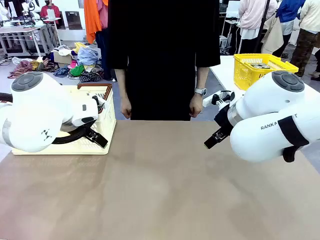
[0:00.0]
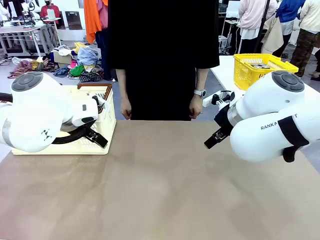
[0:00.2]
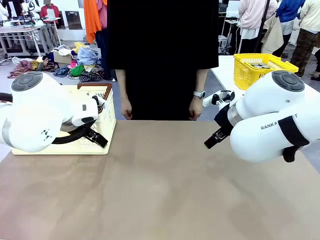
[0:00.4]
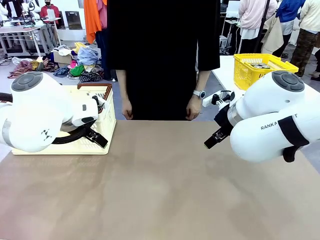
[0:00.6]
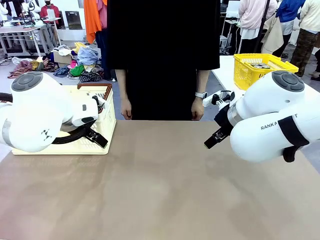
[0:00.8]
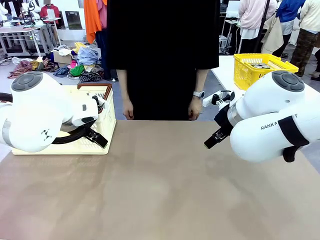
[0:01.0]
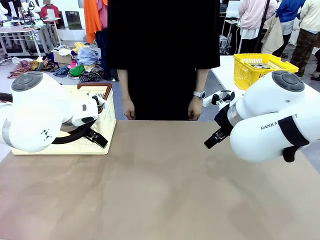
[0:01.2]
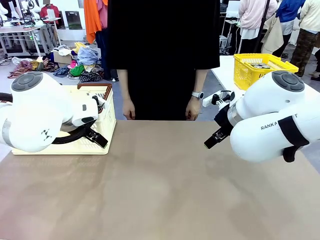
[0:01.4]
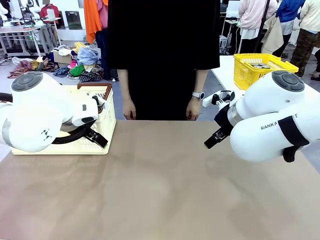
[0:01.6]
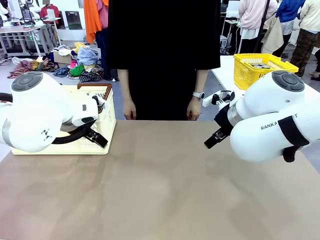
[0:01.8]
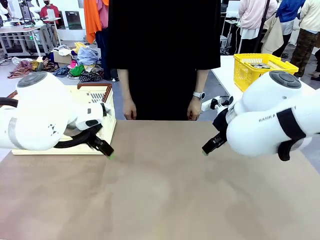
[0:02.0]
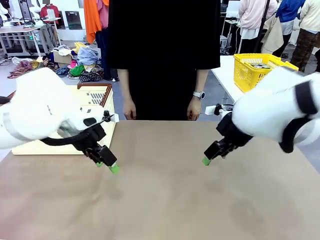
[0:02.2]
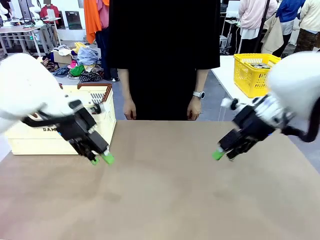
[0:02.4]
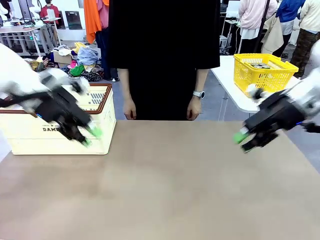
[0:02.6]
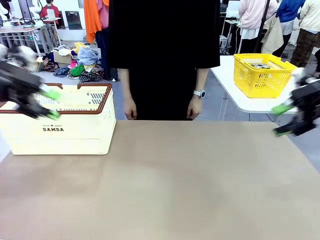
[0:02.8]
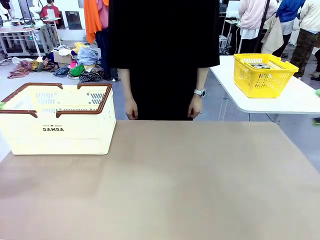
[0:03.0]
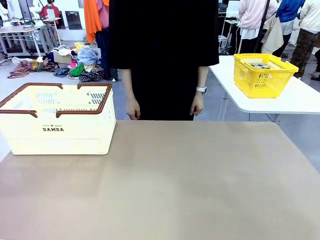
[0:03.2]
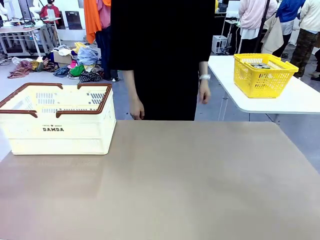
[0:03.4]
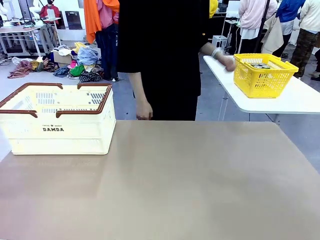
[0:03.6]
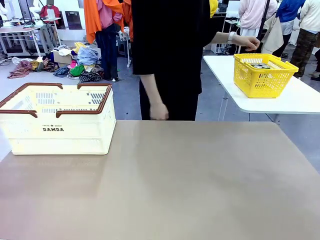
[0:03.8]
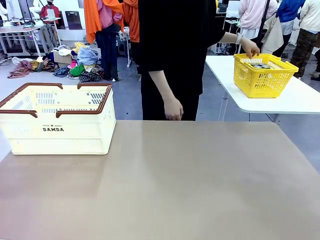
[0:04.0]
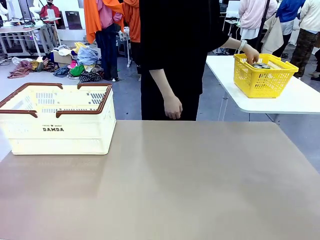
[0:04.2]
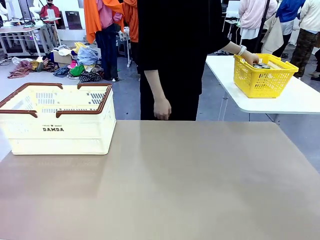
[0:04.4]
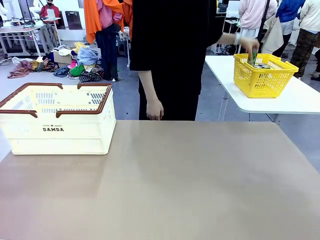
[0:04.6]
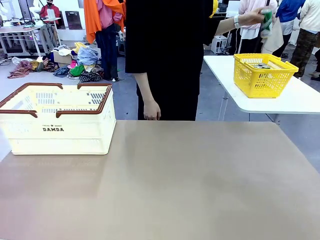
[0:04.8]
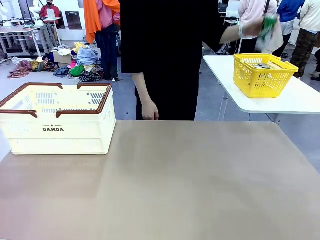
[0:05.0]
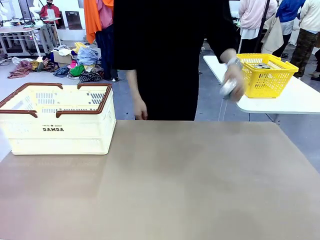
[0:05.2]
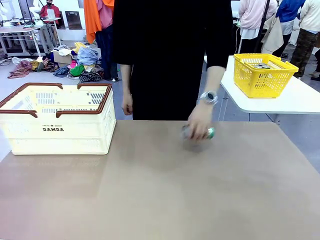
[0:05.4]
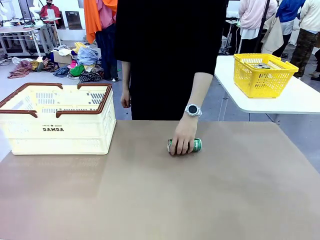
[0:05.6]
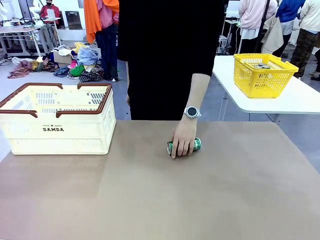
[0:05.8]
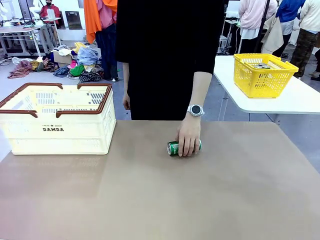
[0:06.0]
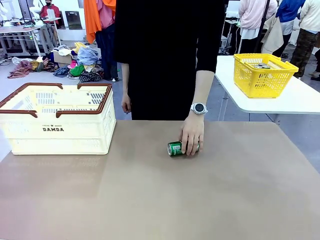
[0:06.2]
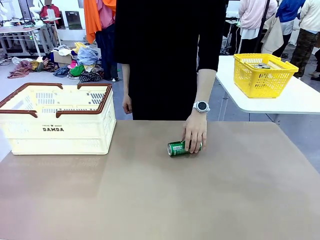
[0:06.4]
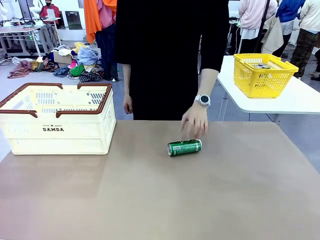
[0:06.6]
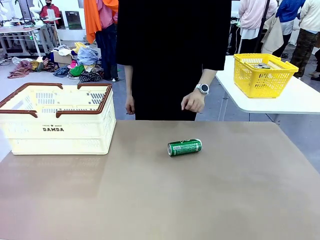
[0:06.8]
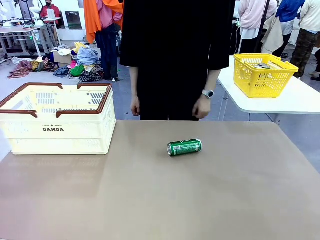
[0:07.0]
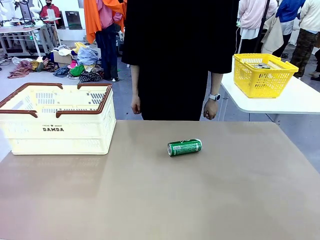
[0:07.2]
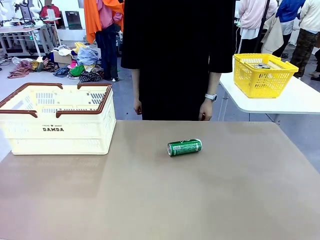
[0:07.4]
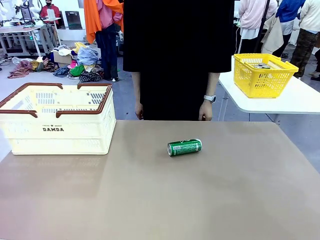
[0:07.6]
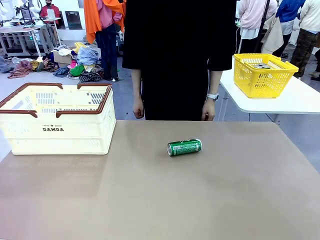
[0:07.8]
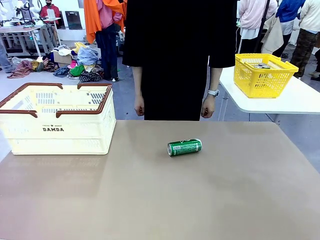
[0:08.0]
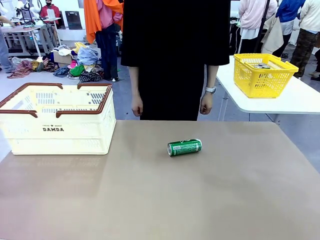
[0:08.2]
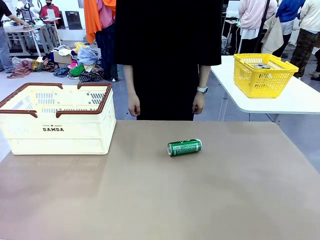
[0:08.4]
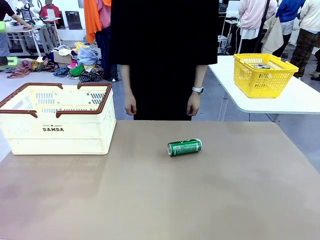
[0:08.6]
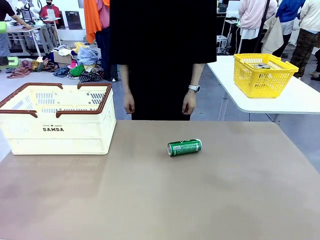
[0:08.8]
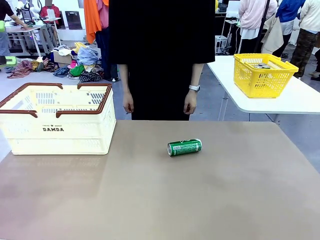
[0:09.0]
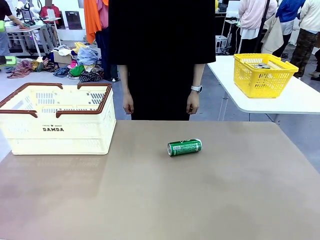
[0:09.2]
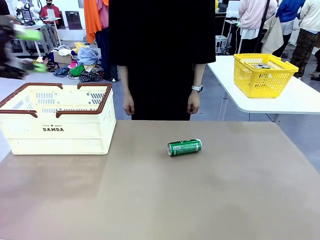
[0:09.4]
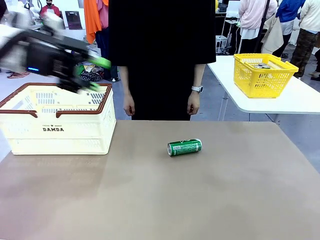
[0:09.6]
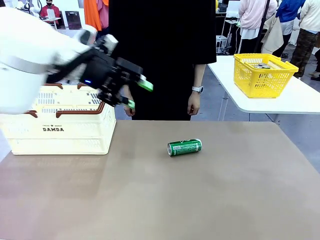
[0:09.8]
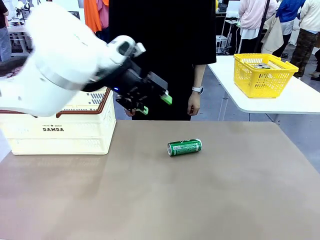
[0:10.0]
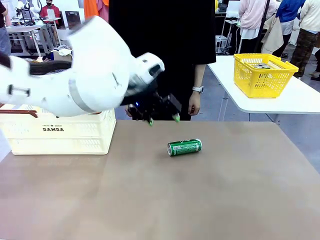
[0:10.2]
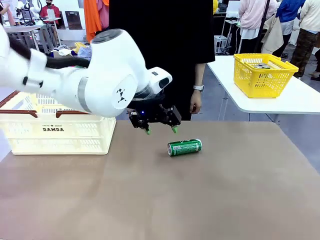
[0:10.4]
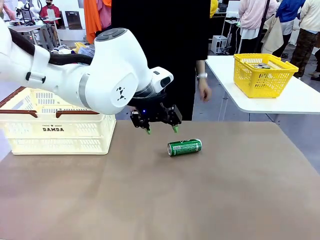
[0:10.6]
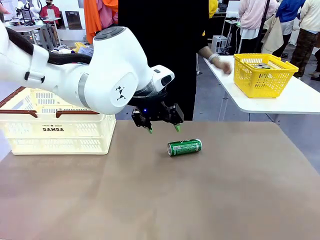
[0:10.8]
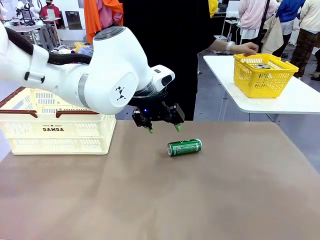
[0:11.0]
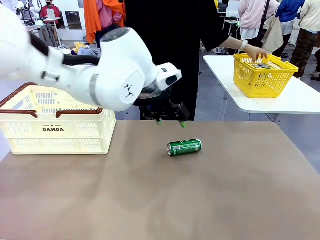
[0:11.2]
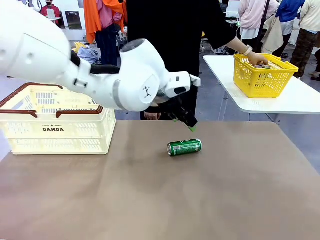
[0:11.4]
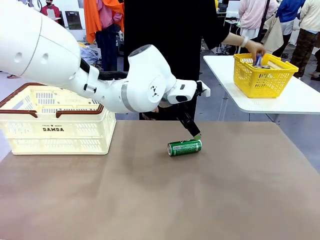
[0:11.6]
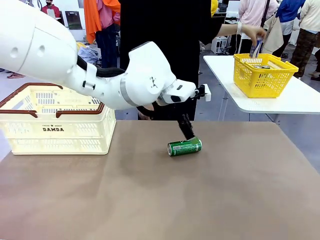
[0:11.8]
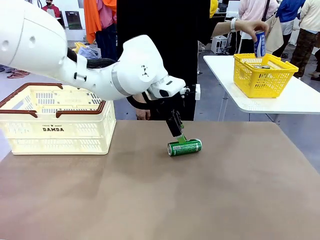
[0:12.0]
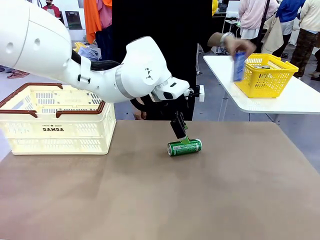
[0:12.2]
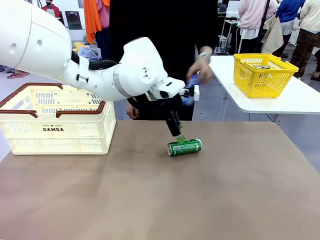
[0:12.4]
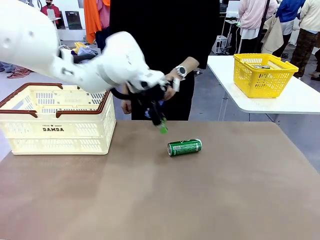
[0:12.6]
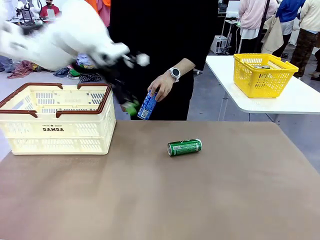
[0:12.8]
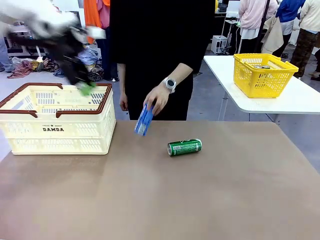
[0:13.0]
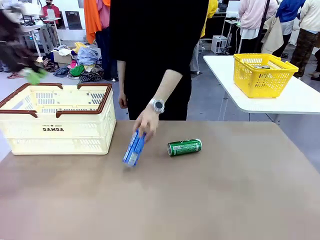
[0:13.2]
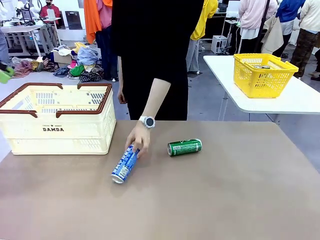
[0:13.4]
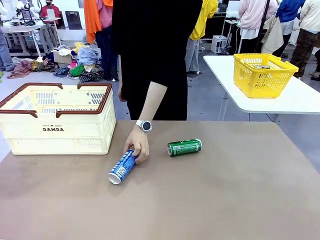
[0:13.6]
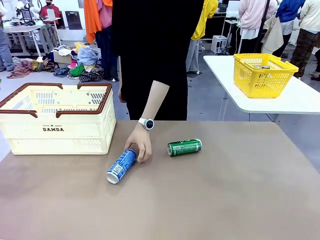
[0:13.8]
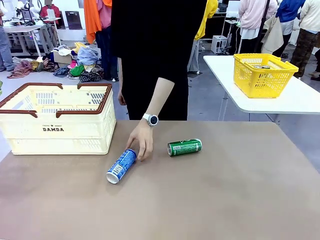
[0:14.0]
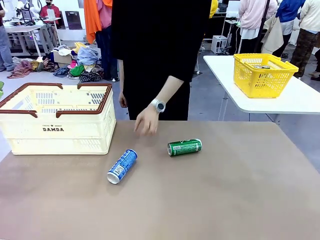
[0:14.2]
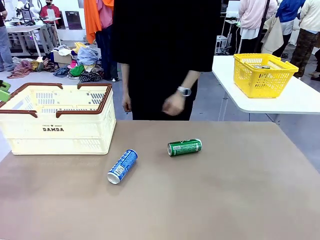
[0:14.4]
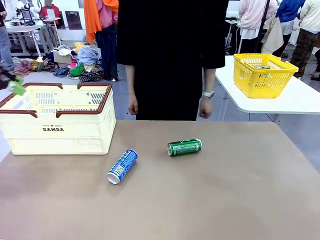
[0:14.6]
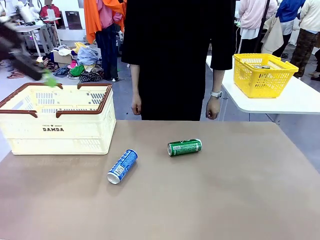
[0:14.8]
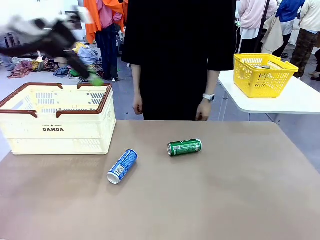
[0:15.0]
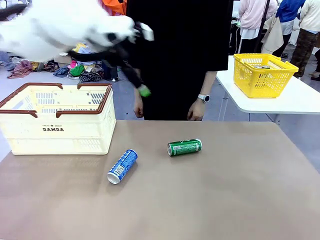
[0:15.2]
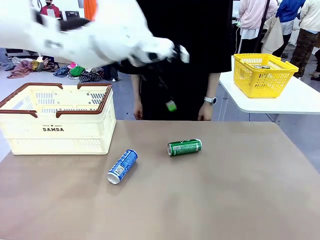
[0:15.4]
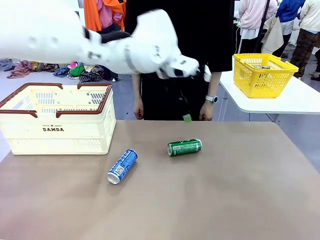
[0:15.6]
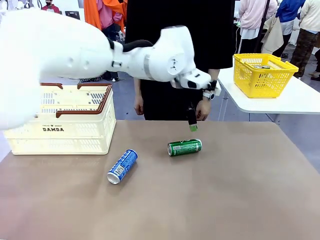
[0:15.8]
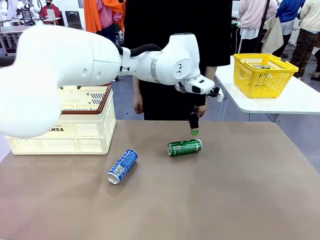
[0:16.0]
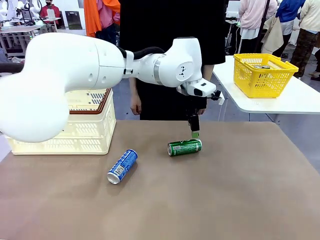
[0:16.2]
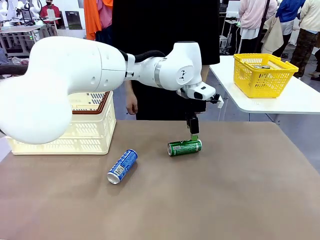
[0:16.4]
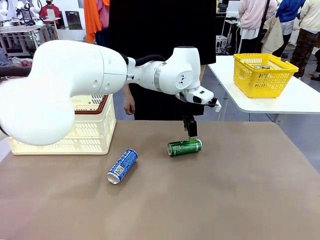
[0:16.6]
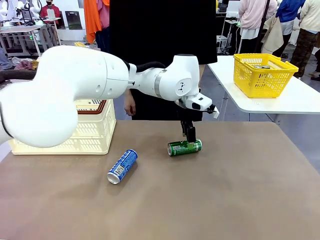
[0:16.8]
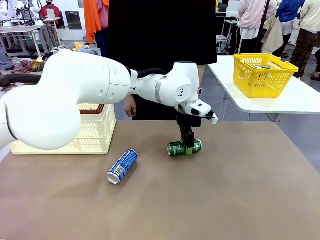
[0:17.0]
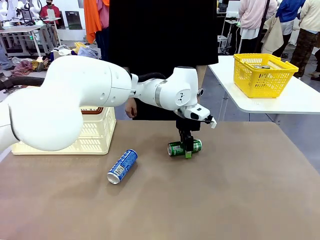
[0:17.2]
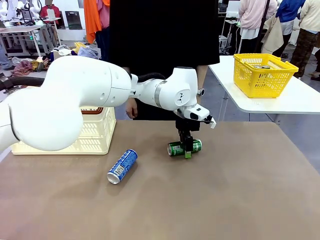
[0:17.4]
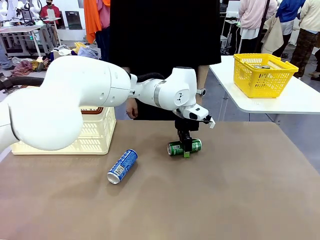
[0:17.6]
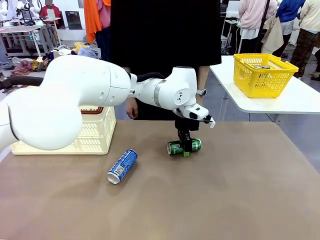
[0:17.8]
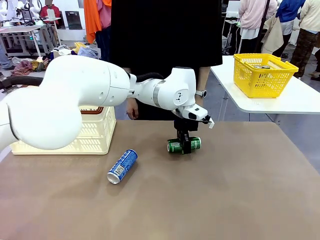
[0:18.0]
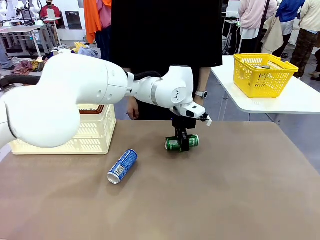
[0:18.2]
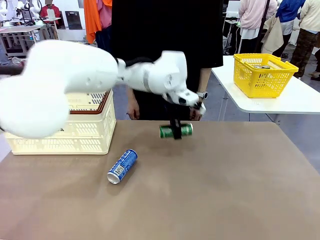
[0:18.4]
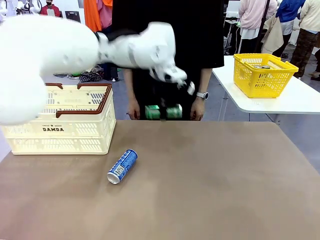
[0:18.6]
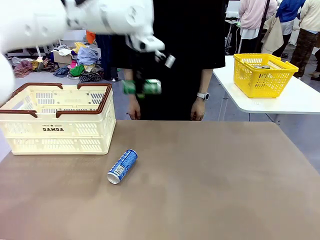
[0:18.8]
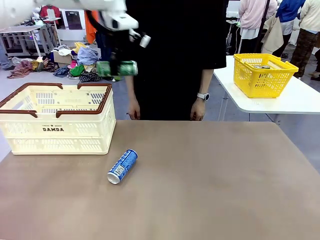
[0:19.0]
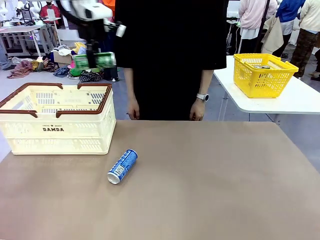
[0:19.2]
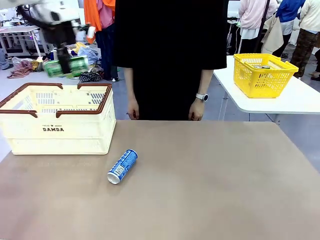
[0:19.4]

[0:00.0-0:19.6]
Task: Place the drinks into the Shopping basket.
Robot: Pick up one drink and place it into the Shopping basket.
